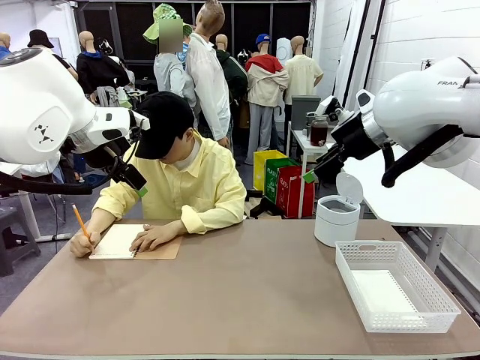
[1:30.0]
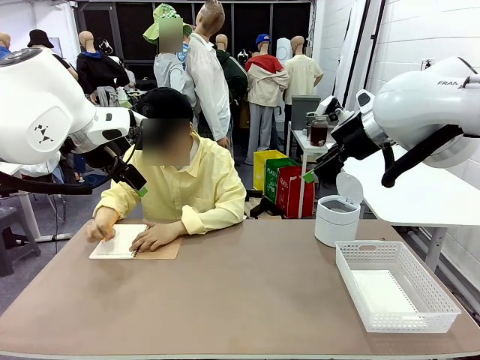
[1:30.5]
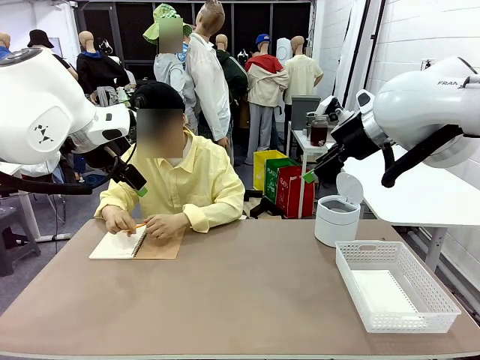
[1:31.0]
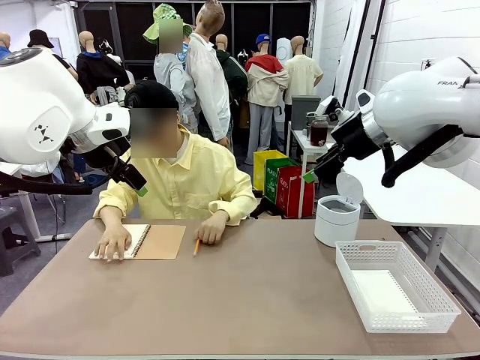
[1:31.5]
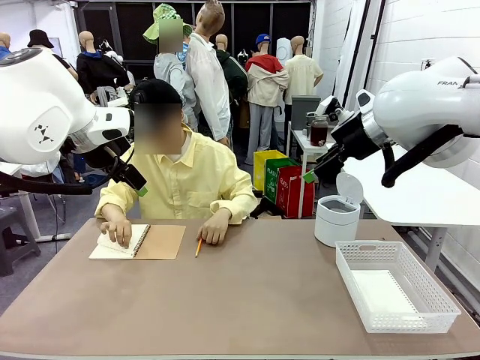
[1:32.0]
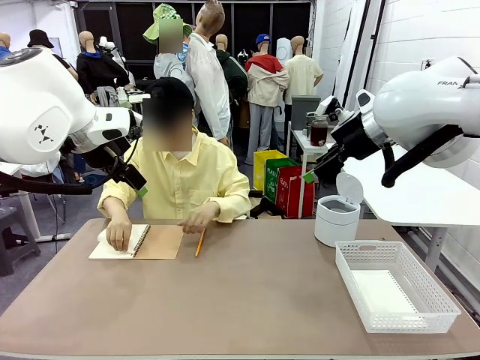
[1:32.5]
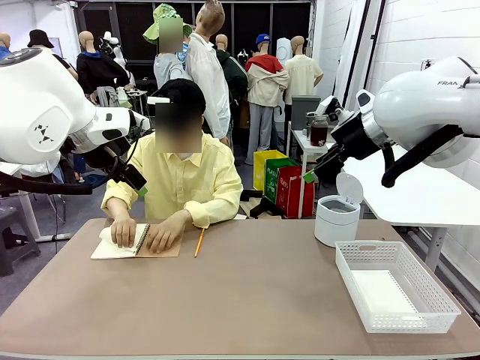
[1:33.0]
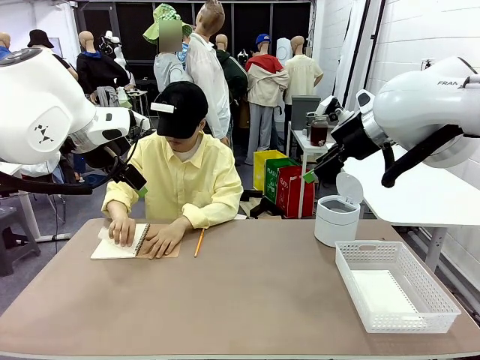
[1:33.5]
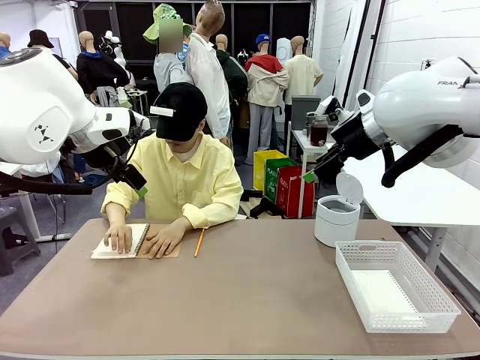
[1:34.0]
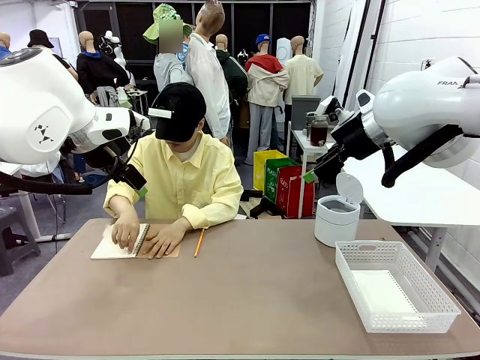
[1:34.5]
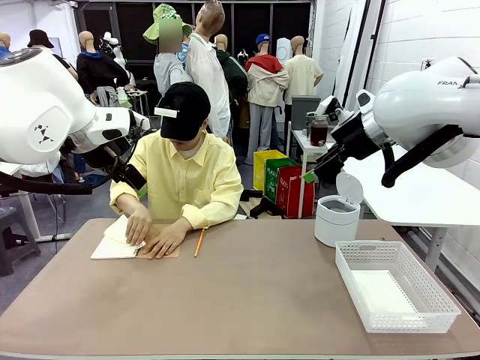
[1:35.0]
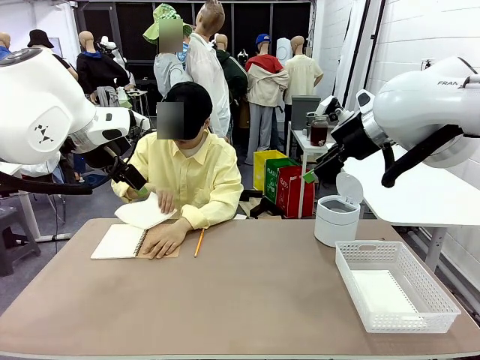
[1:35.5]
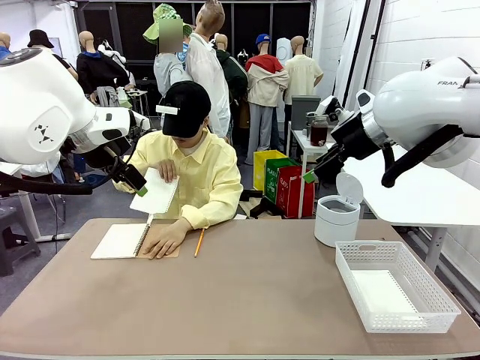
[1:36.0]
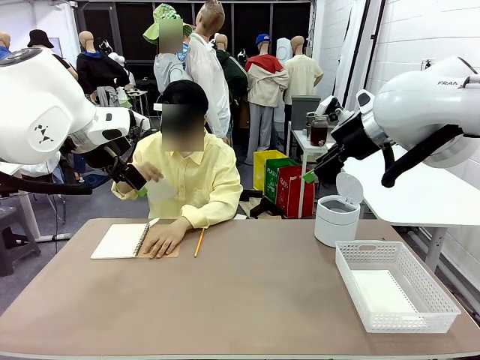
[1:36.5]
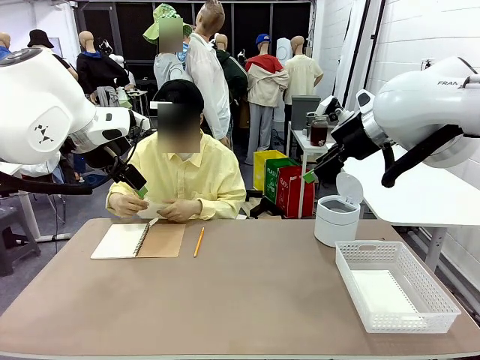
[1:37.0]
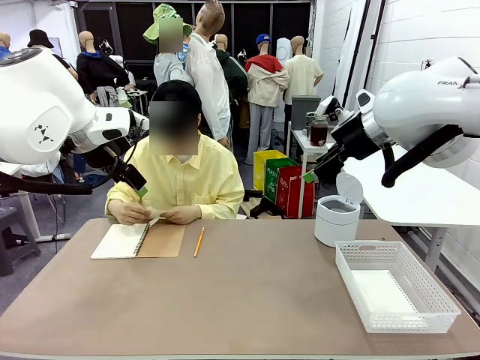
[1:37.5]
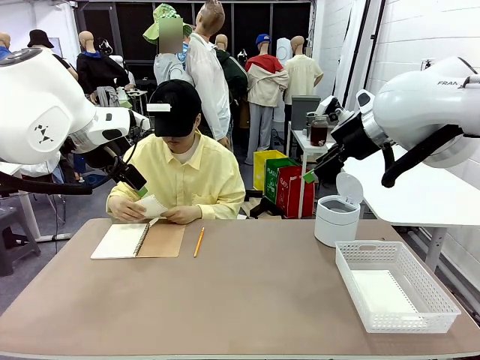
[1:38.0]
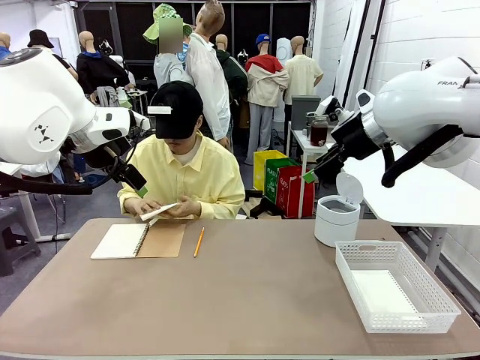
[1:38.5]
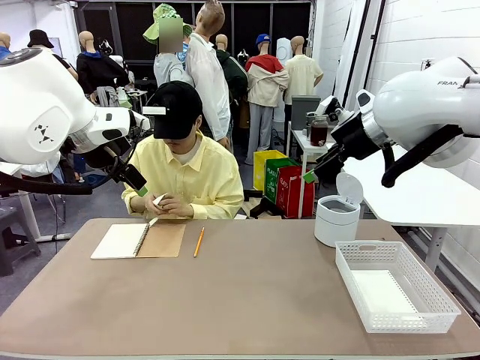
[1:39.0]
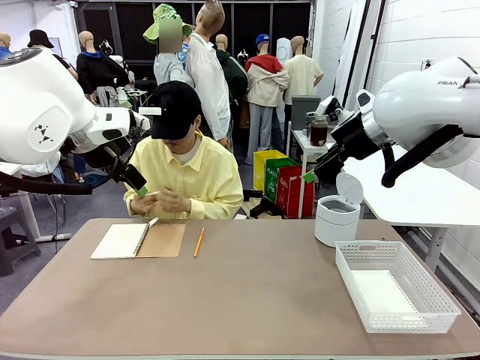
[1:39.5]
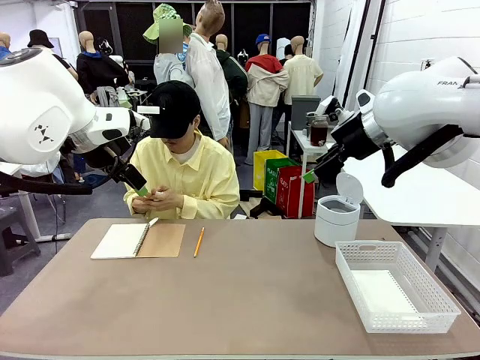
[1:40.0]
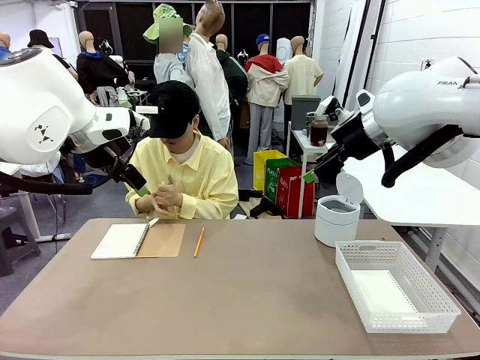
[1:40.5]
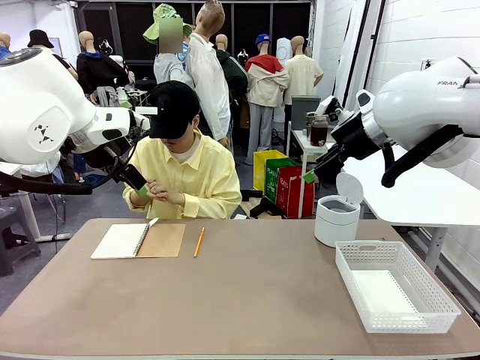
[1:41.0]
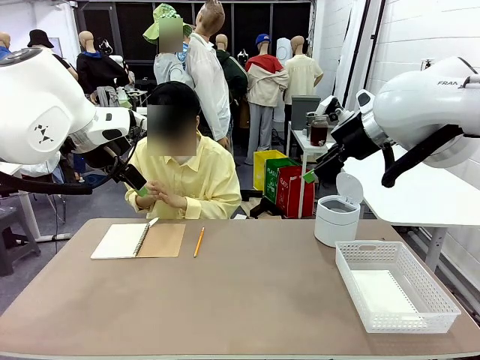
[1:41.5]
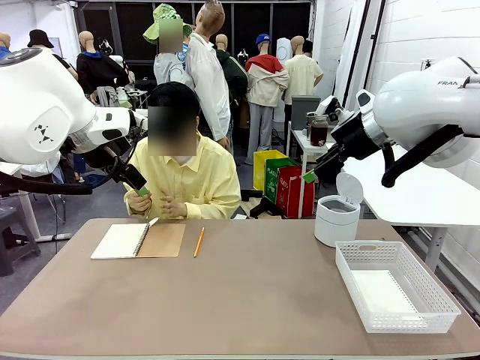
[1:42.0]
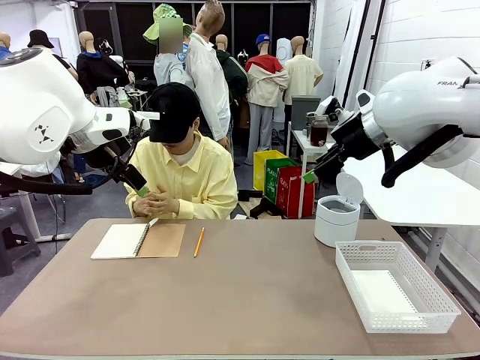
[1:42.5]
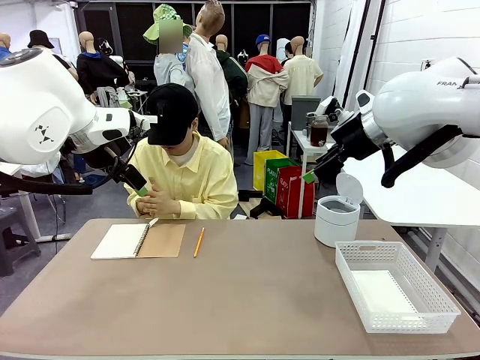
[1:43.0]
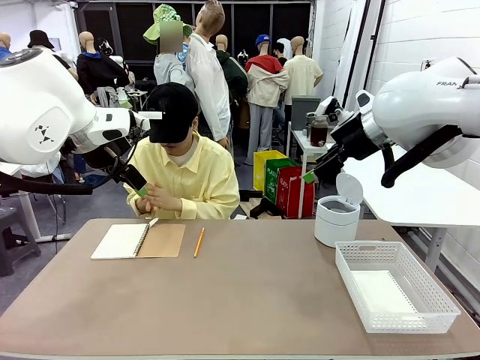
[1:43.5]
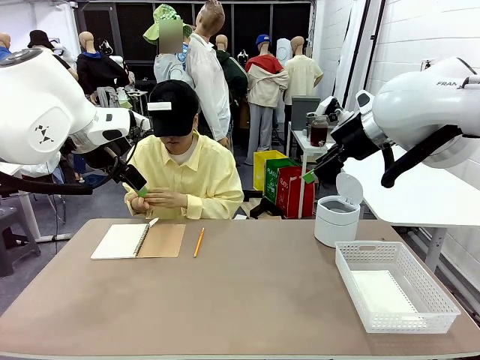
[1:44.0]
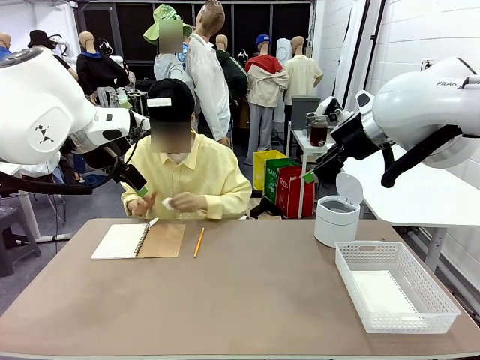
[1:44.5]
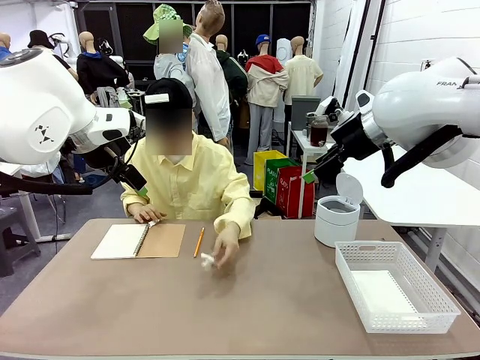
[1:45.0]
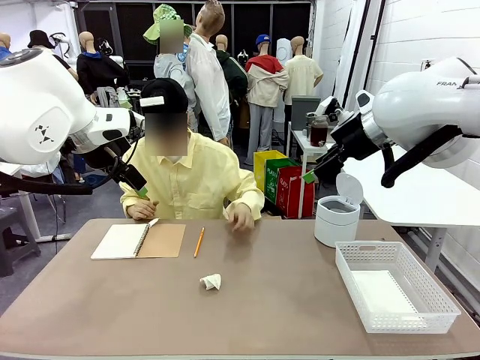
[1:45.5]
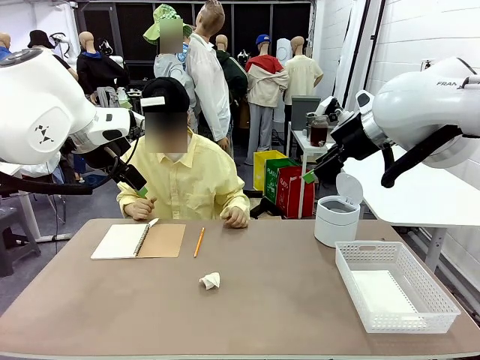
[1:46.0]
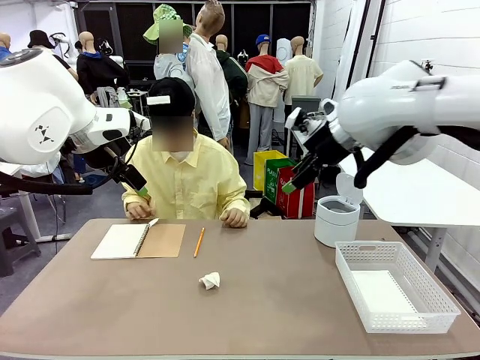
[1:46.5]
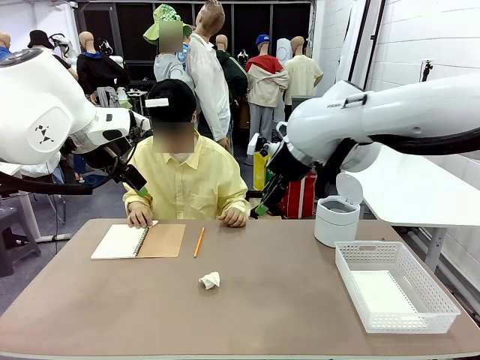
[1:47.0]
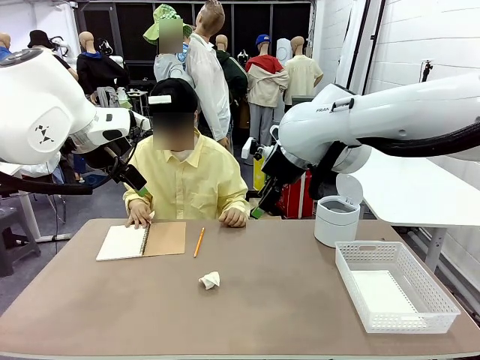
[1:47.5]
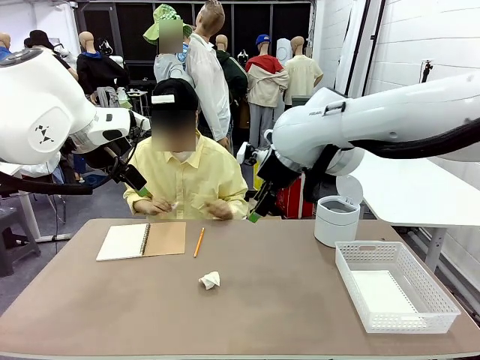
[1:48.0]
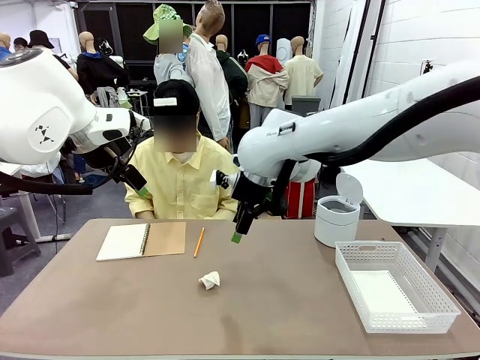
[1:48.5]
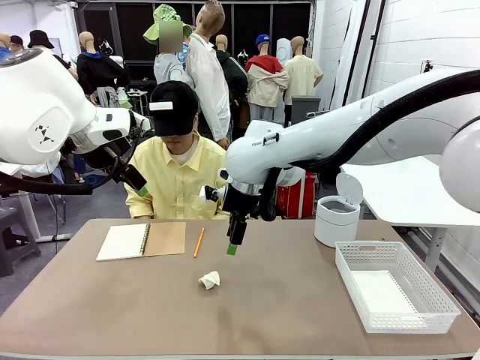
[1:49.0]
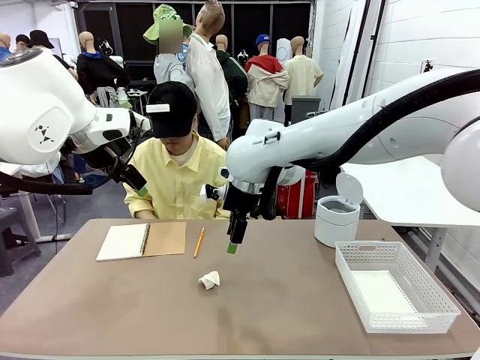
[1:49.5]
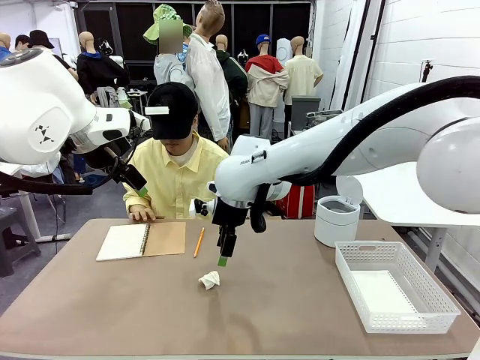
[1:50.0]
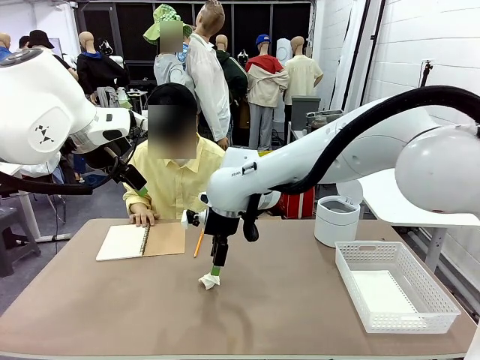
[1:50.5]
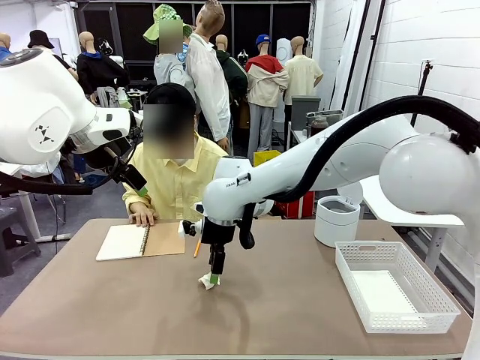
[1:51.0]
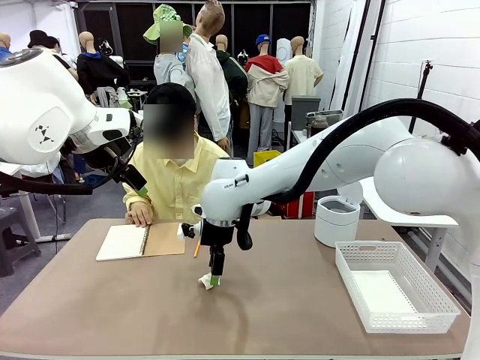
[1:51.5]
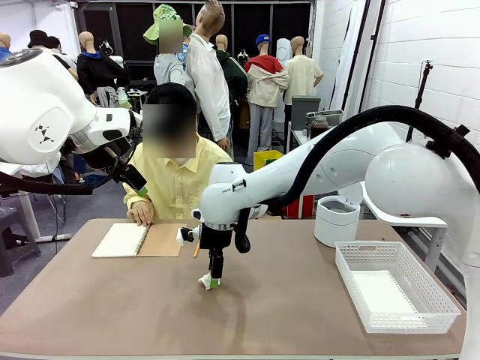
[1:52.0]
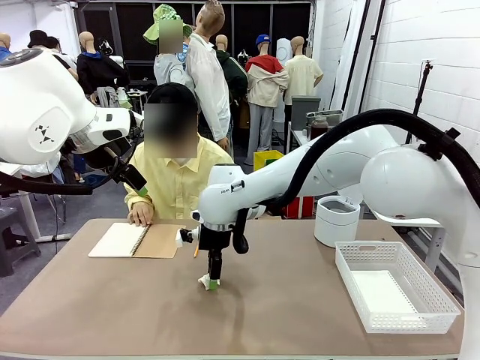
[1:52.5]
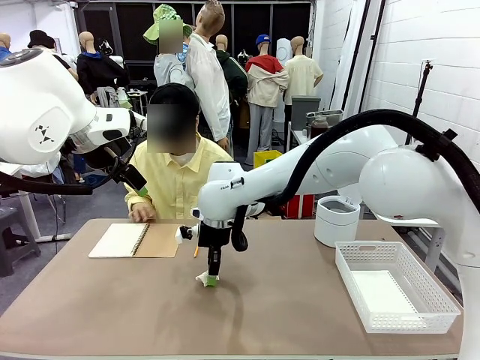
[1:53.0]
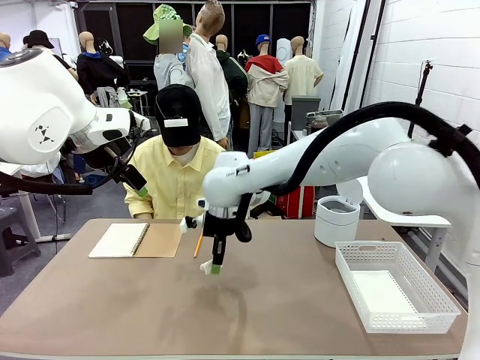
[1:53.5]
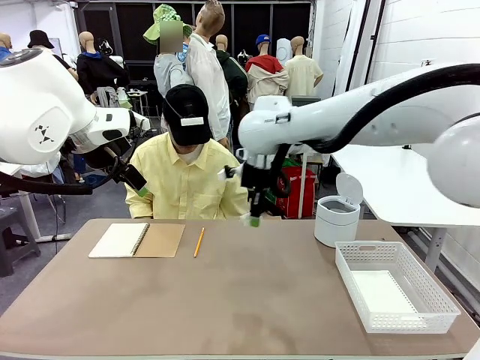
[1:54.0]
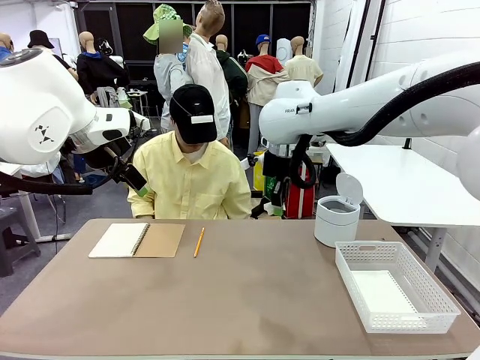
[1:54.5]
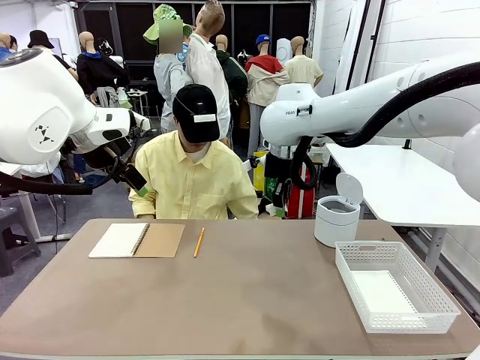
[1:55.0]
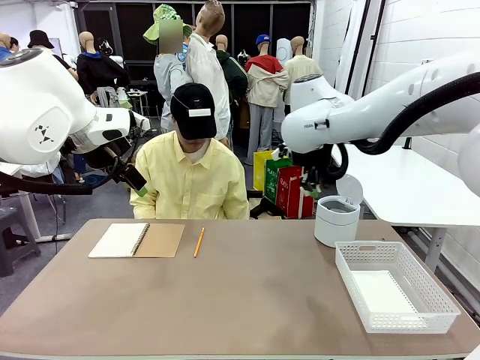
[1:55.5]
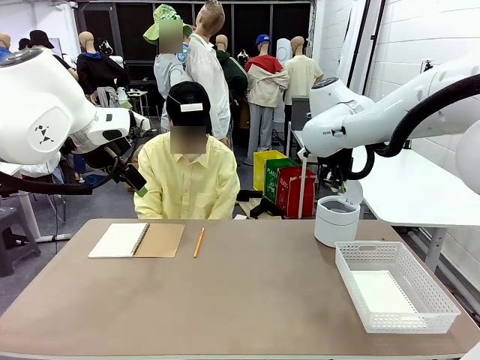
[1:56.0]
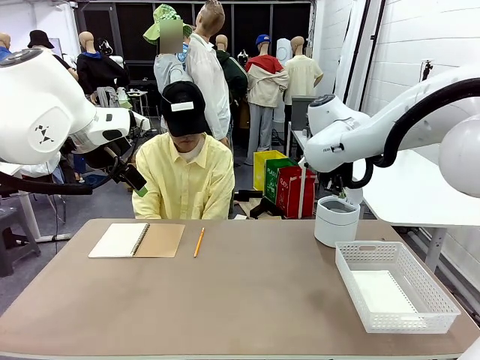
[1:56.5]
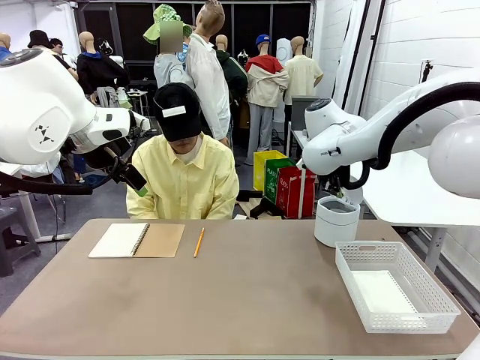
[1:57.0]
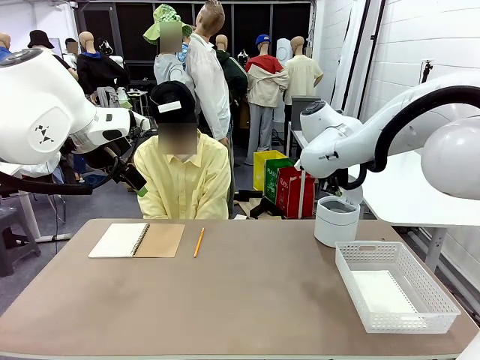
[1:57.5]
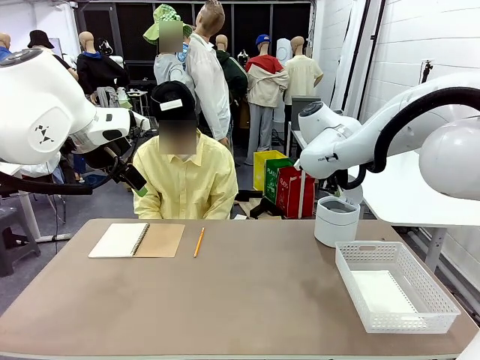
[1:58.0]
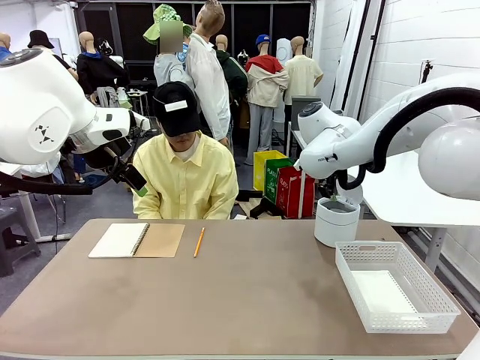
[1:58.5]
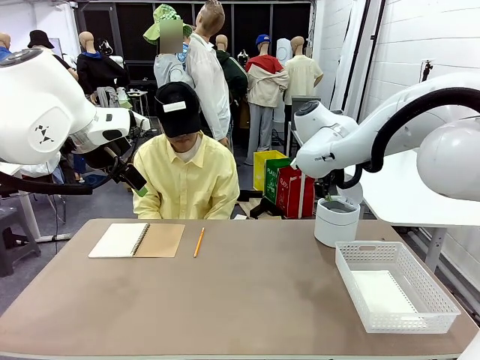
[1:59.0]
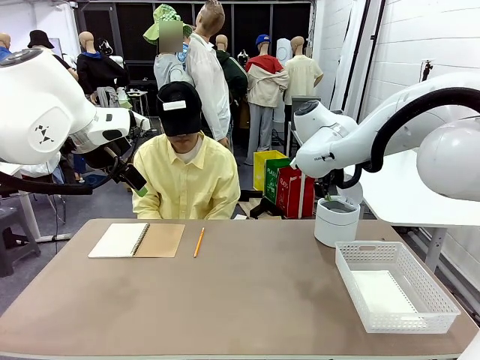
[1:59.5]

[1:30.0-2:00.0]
Task: Sort the paper based on its condition.
Robot: If a person hands you a paper, place it in the Organizing basket , and if it's crumpled, put it in the Trash can.
Person: Hand the torn page to the robot or crumple it and throw it to the center of the table.
